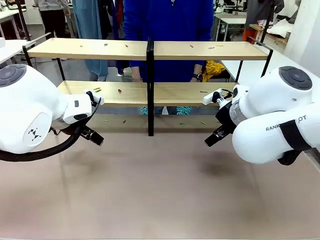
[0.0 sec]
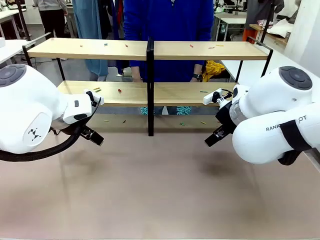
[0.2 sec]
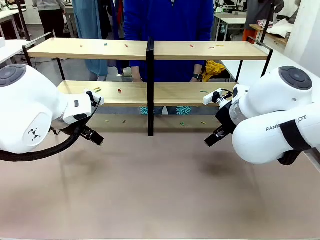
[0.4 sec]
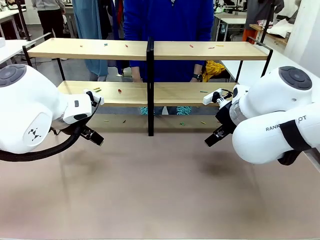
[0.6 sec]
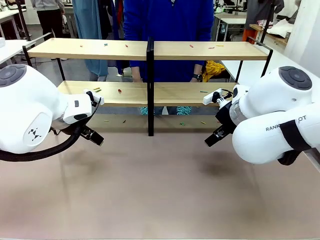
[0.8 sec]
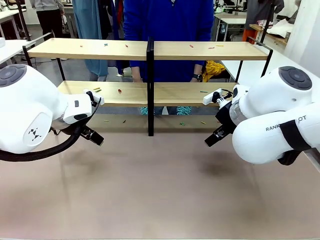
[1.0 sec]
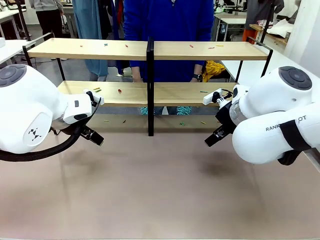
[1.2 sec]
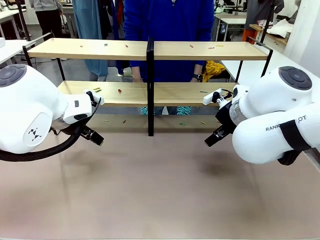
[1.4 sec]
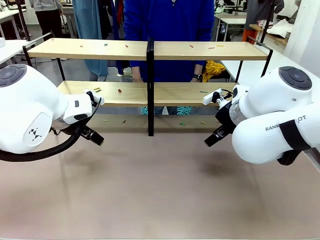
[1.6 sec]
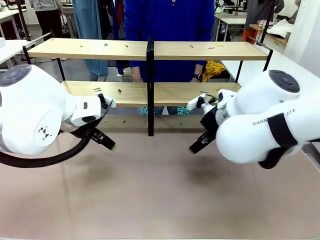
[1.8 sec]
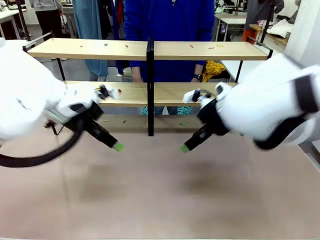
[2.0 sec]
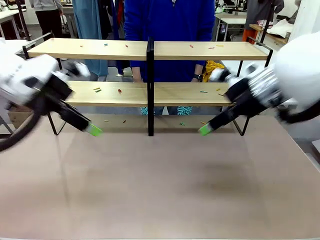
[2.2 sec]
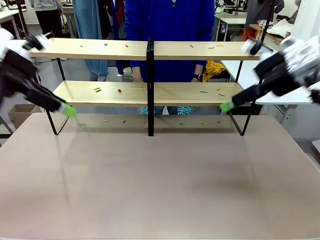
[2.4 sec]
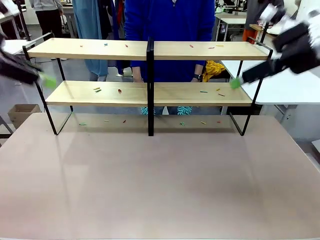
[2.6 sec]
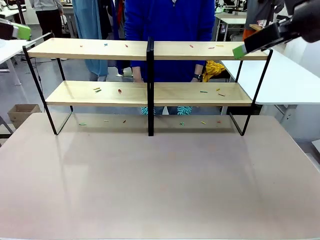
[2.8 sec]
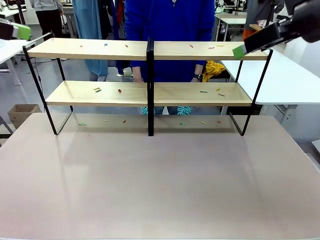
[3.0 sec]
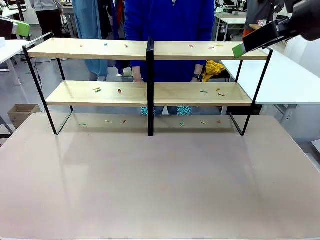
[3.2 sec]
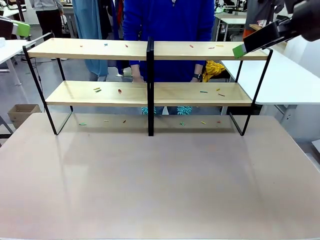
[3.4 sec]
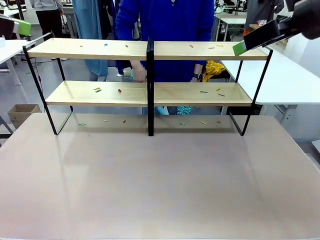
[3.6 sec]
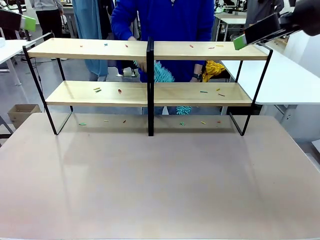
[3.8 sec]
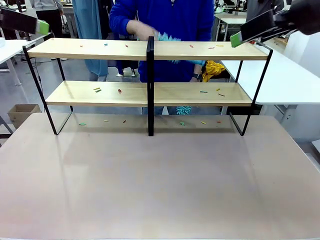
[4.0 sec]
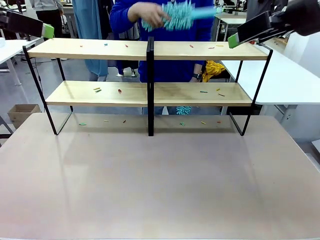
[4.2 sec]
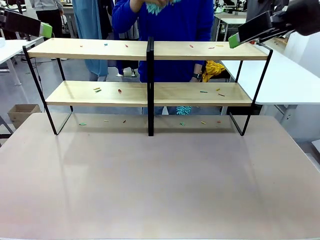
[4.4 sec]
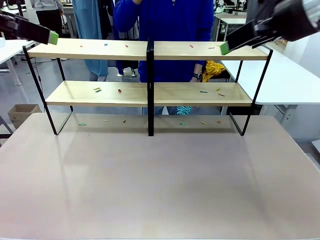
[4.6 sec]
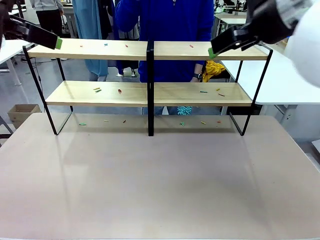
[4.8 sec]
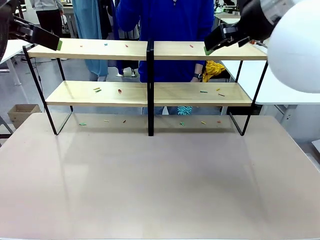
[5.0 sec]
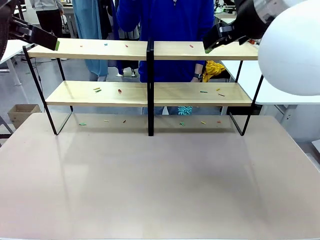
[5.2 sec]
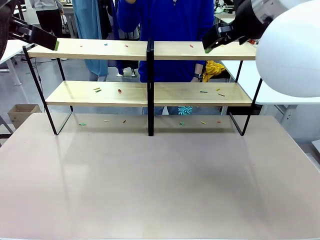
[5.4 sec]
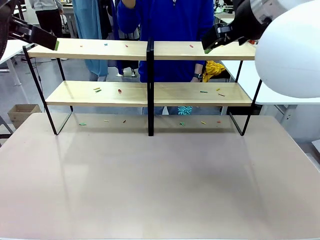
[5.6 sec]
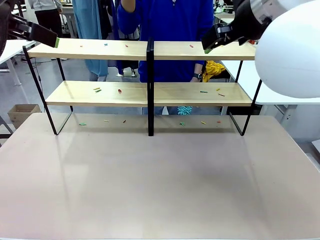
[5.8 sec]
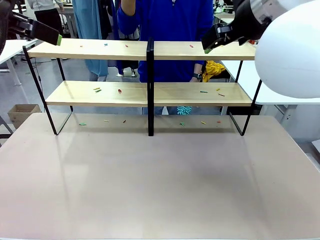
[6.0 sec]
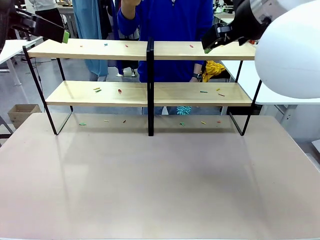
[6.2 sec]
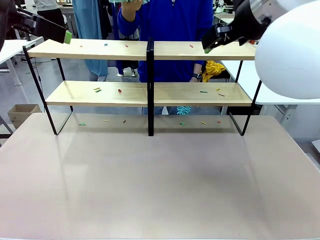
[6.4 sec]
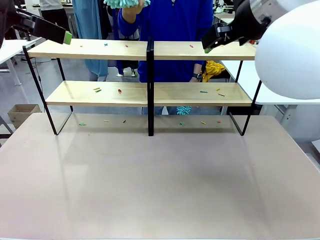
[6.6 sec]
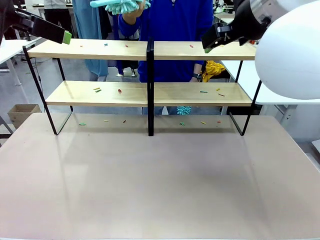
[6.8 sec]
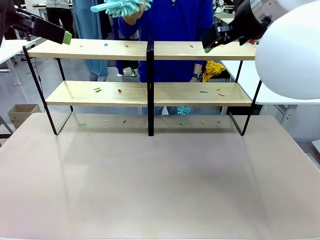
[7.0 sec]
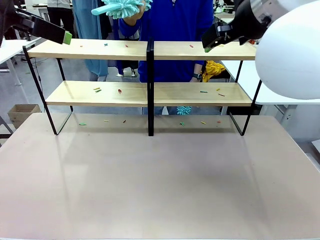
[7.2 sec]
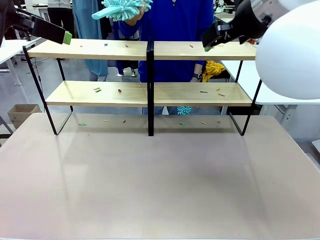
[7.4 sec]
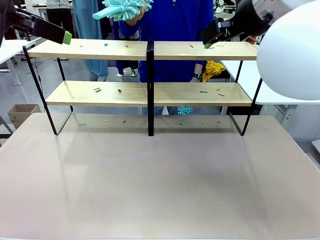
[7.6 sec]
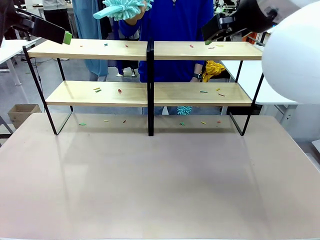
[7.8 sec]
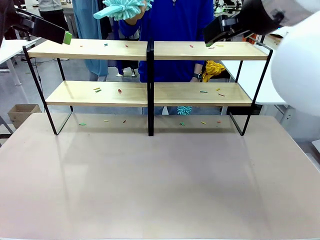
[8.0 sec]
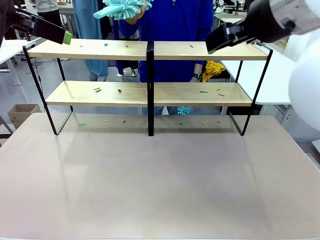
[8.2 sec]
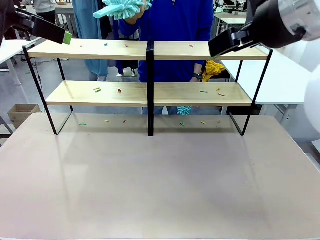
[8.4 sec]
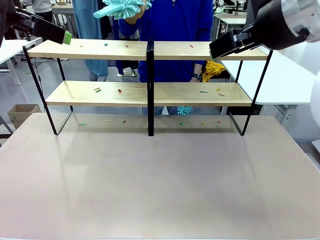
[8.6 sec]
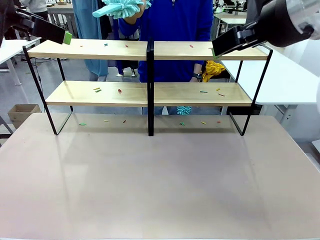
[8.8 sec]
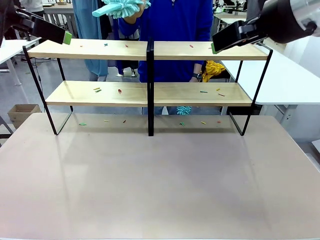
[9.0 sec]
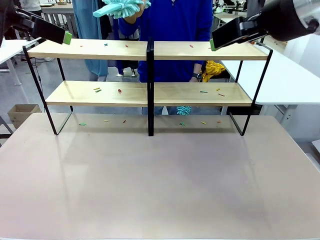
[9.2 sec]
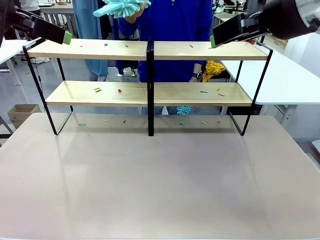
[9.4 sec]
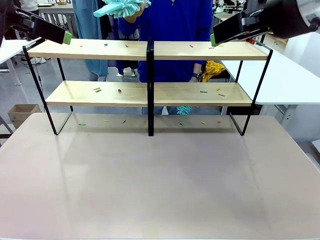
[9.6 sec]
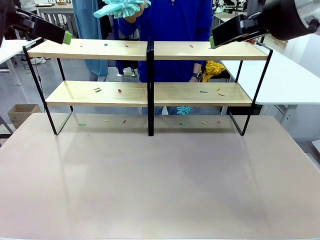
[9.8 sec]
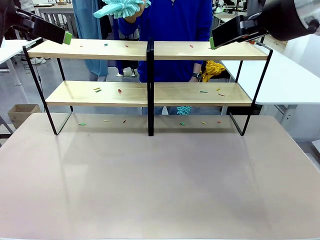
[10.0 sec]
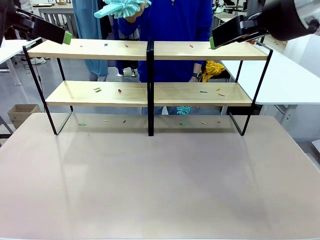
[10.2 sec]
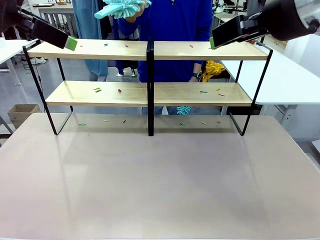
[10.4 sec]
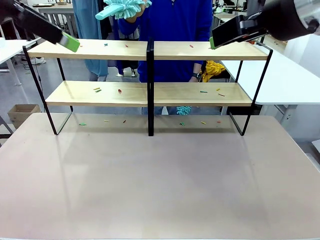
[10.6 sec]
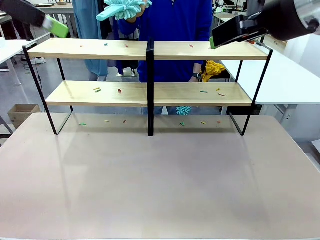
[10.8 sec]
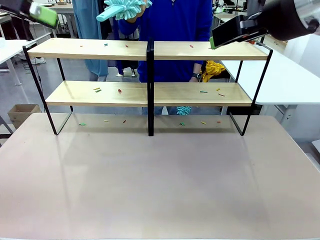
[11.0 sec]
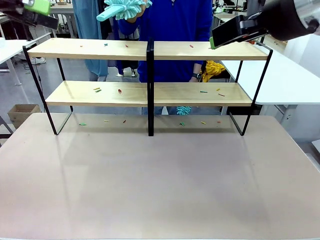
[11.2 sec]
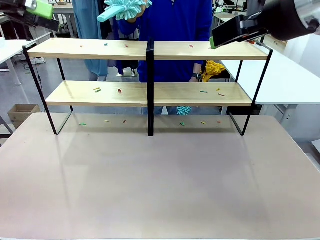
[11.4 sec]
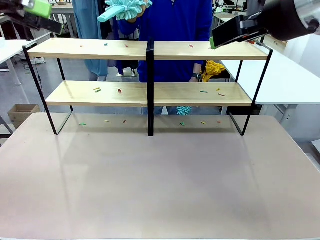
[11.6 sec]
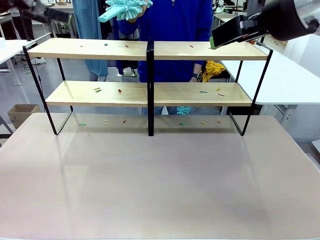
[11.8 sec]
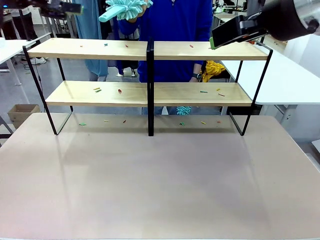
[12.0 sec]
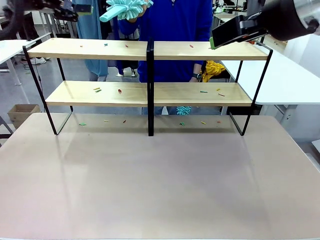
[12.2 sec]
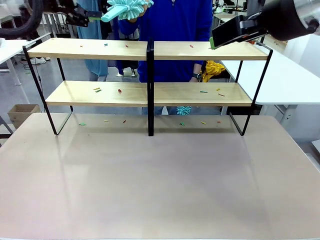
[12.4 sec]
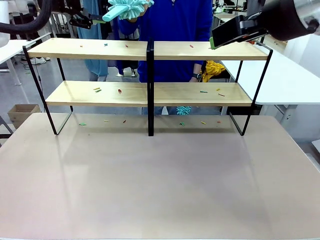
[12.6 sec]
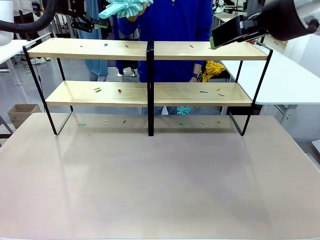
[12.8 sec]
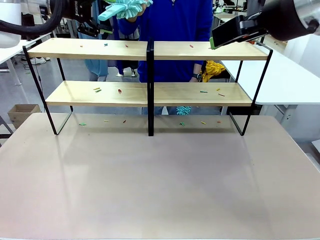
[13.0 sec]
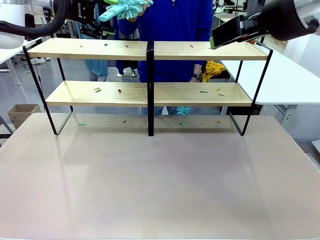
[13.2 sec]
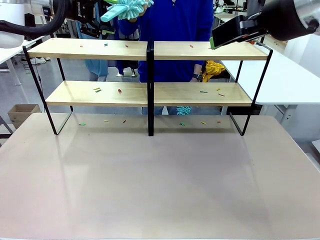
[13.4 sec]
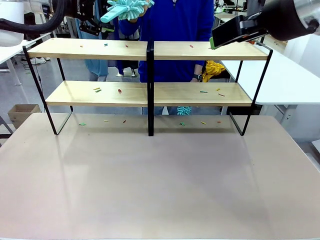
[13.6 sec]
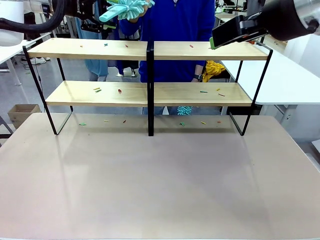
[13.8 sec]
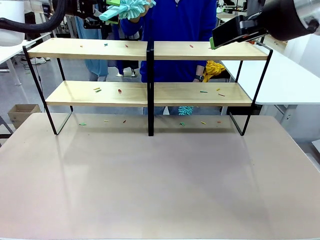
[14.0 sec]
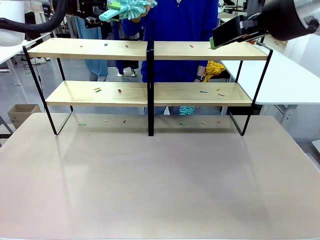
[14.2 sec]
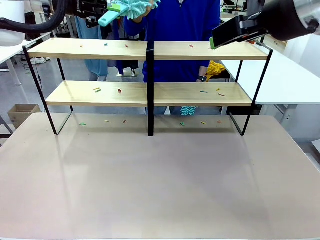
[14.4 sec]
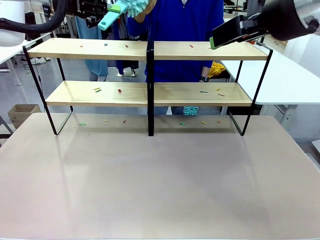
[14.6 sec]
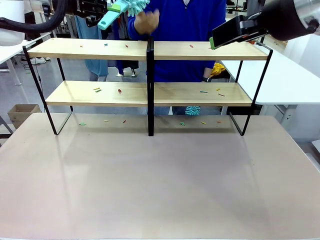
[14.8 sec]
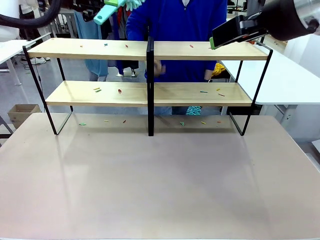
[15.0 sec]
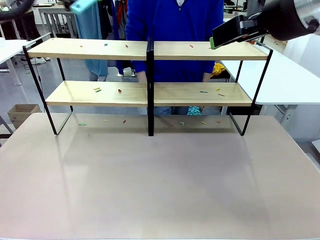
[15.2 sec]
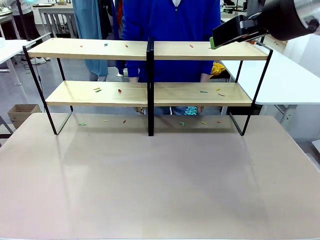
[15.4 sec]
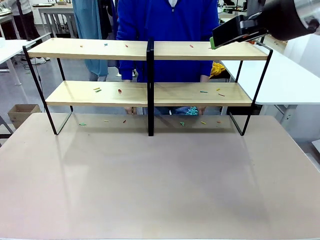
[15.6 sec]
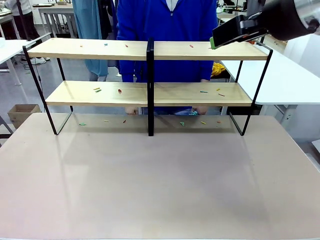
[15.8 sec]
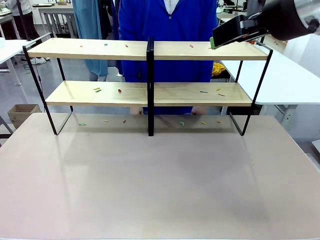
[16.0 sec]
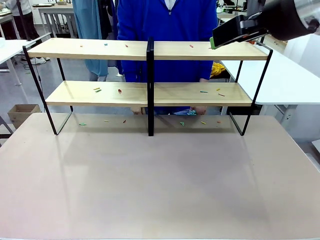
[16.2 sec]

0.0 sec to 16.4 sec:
Task: Clean the shelves.
Robot: Pick up the Duster when the human hands it over.
Person: Hand the Duster to the robot with your right (or left) hand.
